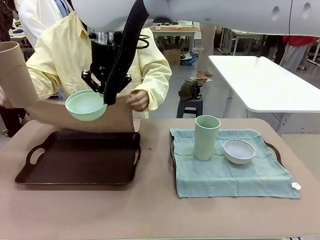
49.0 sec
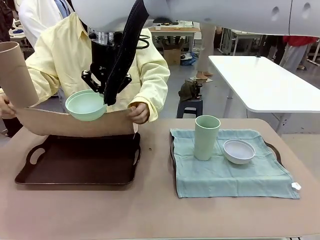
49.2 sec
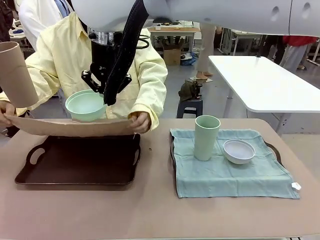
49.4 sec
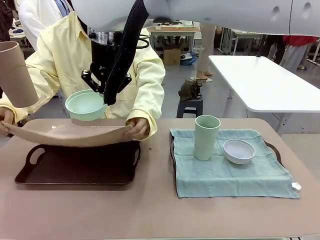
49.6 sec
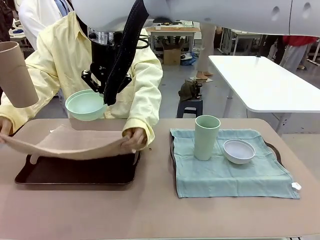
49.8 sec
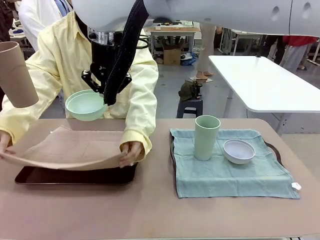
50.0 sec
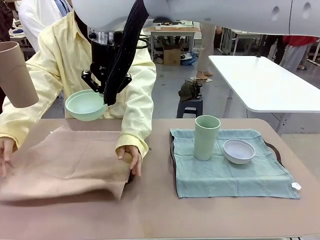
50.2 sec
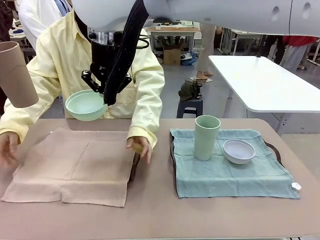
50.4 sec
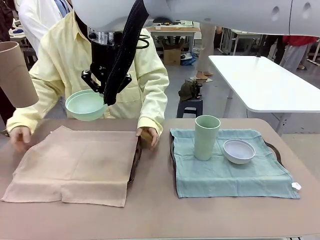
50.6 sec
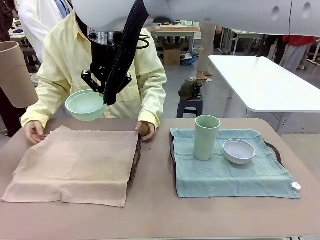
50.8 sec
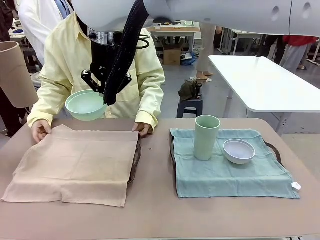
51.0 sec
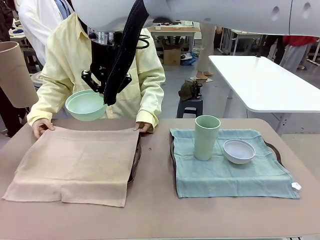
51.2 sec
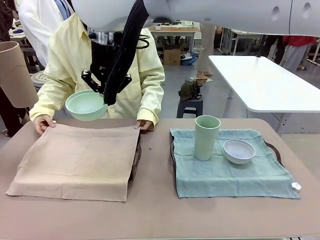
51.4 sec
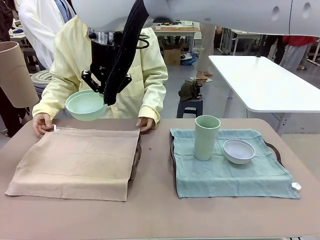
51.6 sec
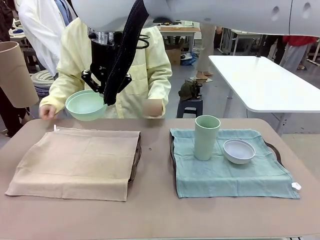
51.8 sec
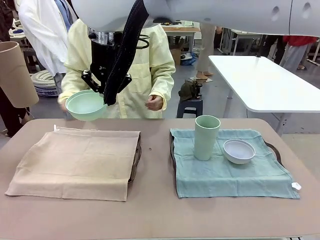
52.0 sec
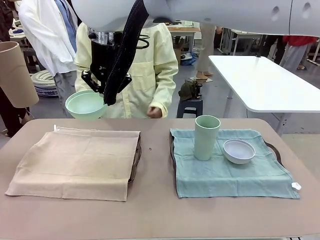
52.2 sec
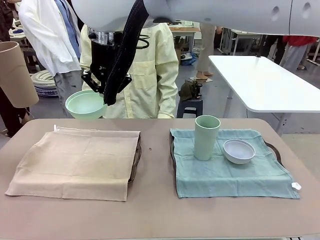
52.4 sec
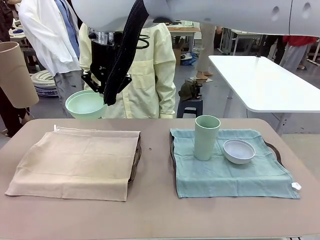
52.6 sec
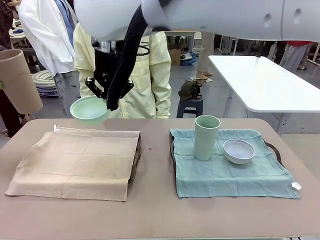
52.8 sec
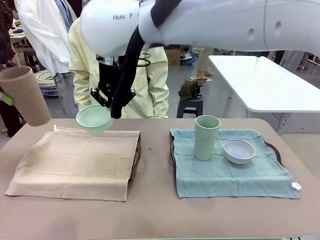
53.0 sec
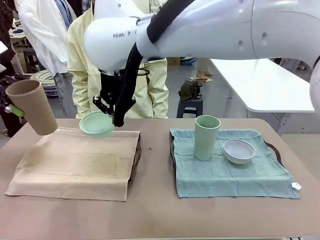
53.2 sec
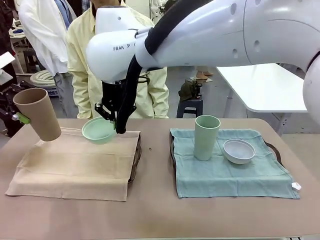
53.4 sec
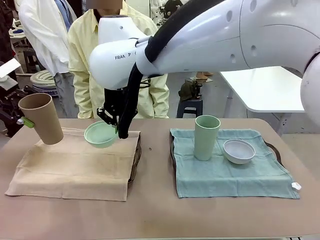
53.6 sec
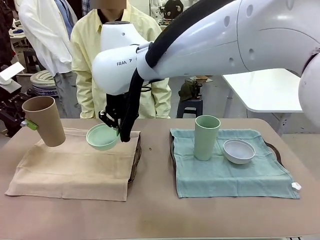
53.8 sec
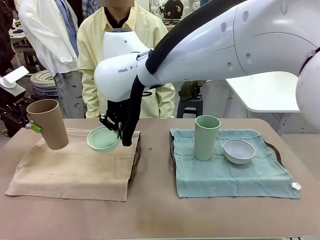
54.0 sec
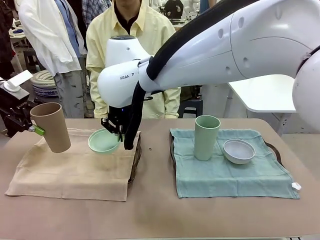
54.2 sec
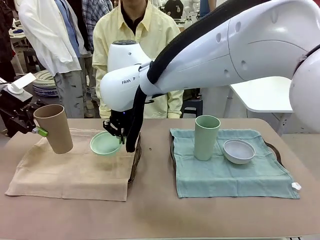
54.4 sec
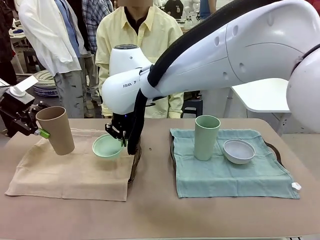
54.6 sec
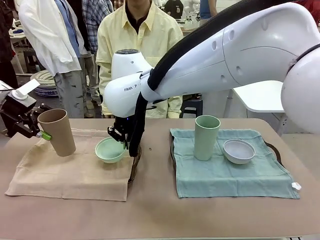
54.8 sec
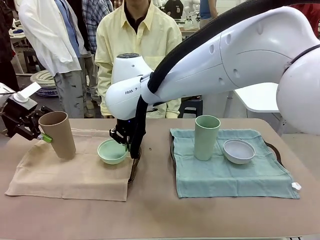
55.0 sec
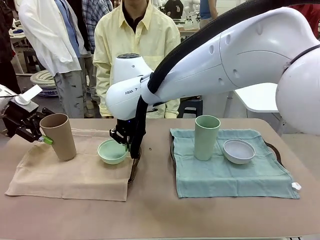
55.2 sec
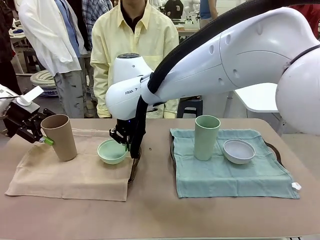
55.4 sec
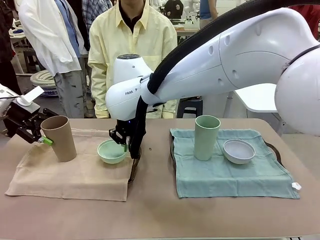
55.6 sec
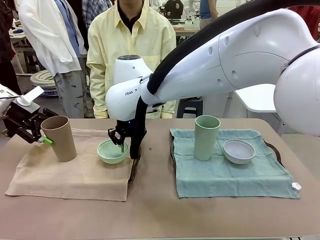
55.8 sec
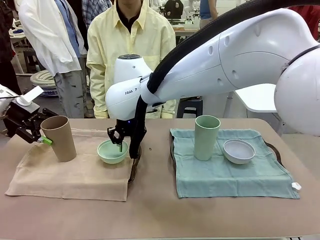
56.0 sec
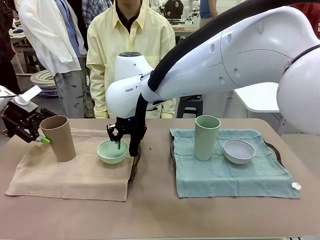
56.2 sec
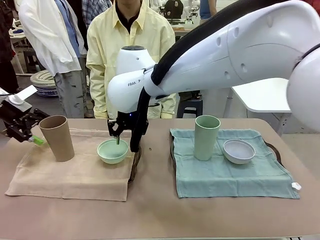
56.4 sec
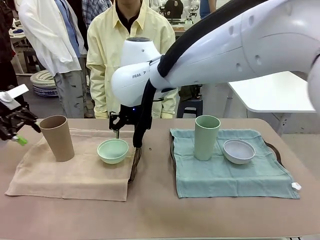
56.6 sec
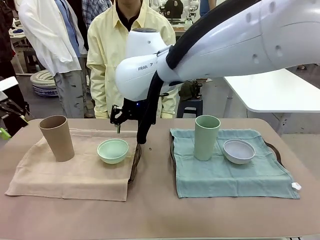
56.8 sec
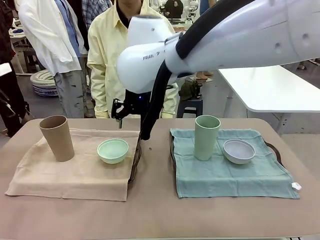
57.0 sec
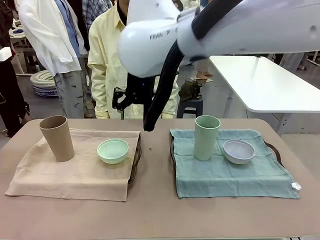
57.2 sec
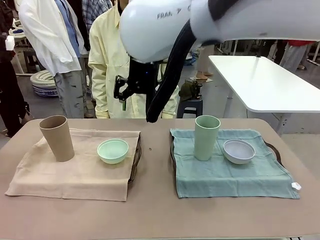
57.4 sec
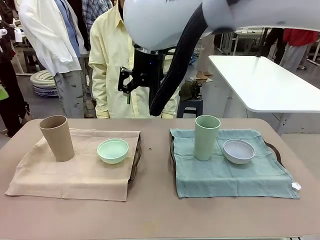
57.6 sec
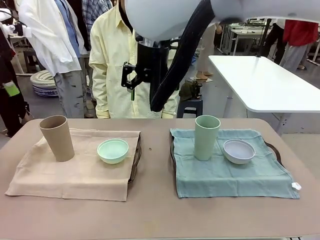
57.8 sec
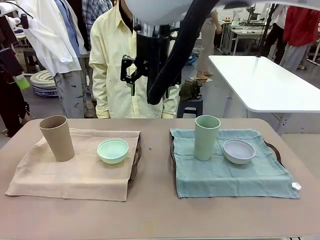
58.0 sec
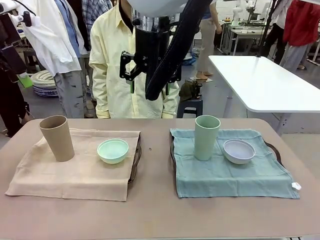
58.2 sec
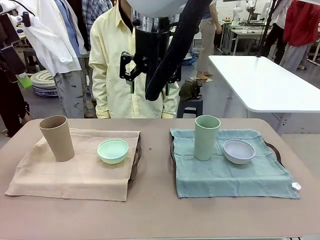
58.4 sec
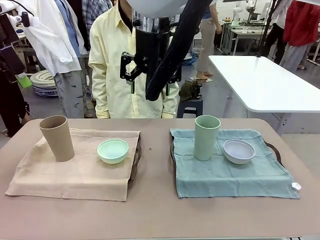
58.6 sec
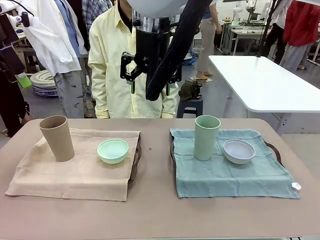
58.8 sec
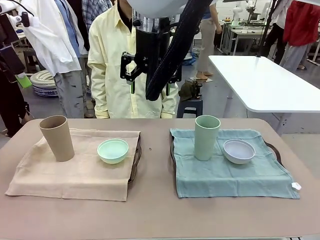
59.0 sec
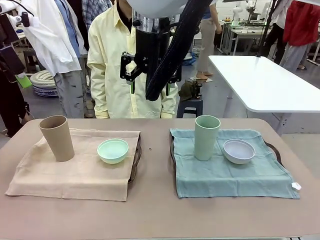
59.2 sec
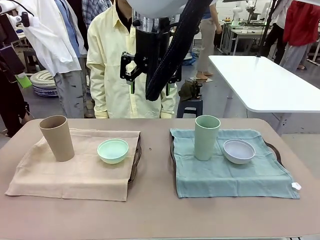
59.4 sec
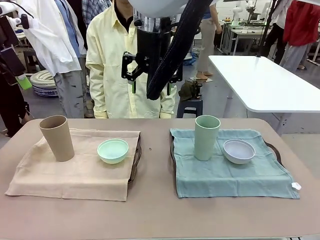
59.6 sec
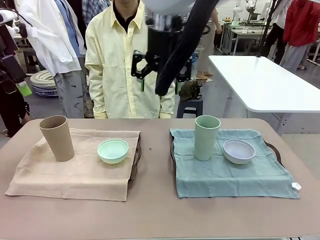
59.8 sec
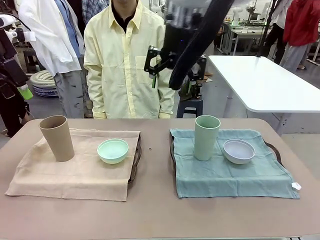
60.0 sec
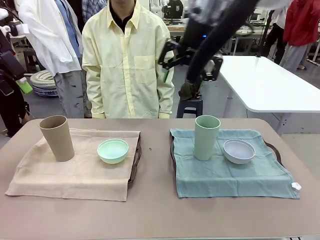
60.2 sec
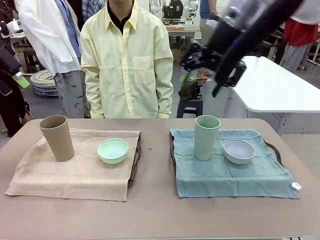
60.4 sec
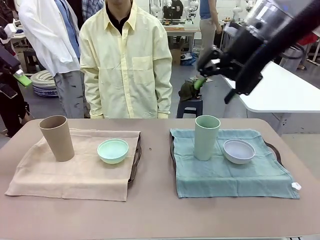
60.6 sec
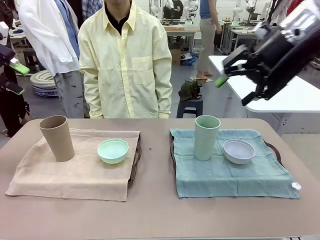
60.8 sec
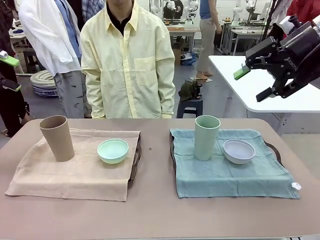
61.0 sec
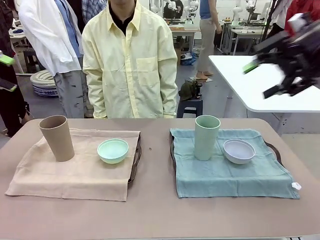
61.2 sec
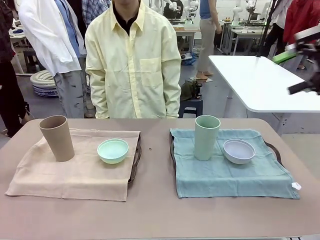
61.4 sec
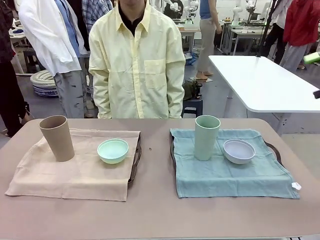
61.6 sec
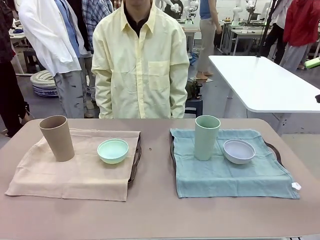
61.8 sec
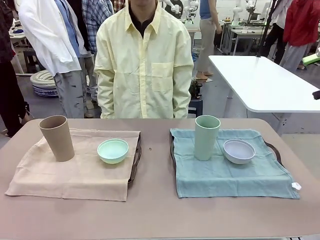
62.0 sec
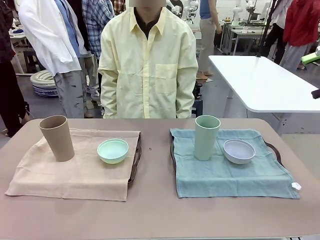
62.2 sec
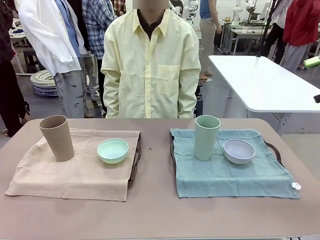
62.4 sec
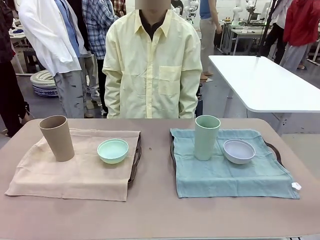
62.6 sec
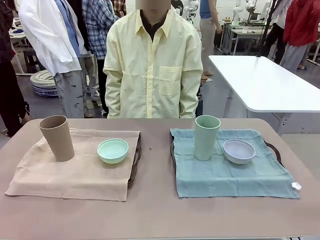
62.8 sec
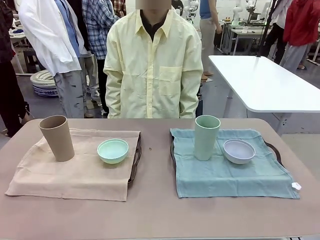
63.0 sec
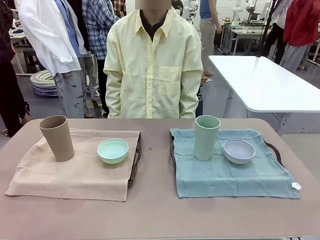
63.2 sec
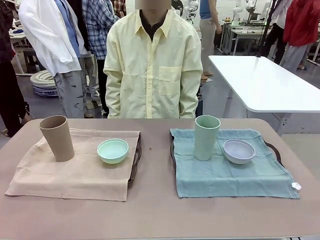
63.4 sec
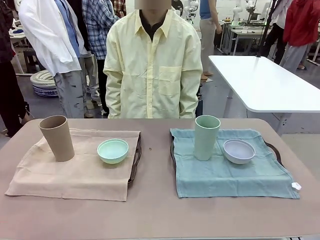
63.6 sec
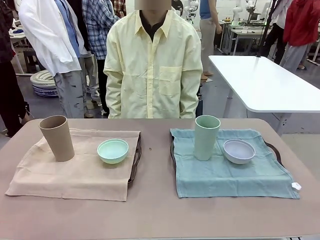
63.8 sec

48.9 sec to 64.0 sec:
Robot: Place the Picnic Bowl and Reusable plastic cup back onto the Handle tray in front of the human's position.
Person: When the robot lifts the bowl and the cup, the human unfolds the napkin and lays the napkin flat on the tray.

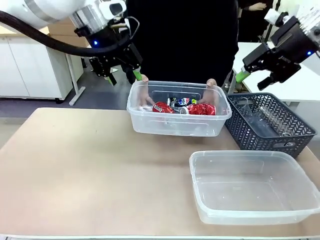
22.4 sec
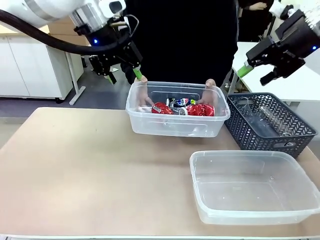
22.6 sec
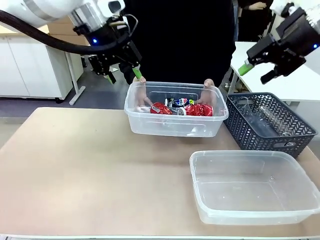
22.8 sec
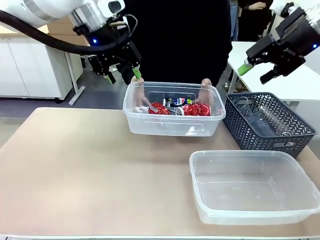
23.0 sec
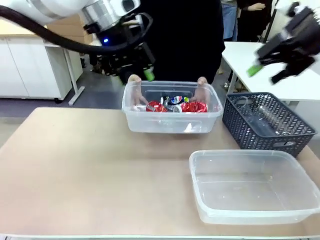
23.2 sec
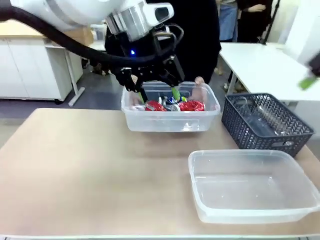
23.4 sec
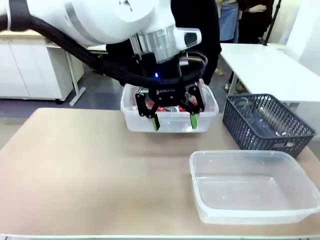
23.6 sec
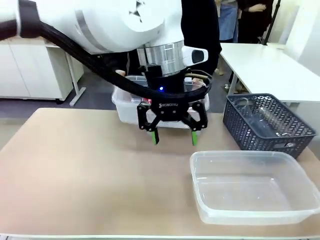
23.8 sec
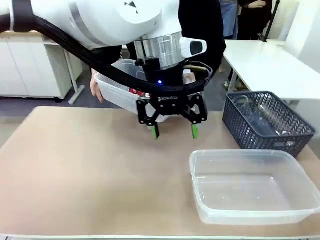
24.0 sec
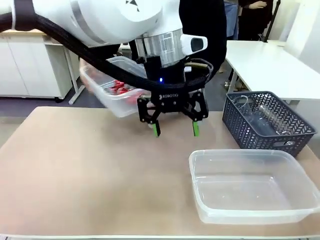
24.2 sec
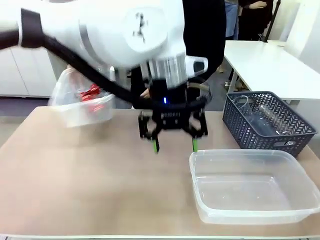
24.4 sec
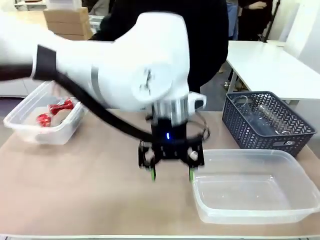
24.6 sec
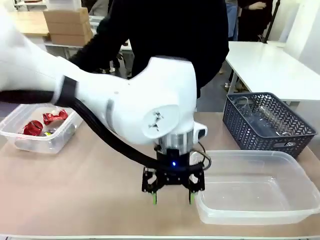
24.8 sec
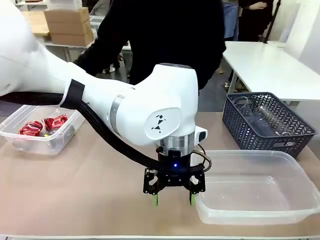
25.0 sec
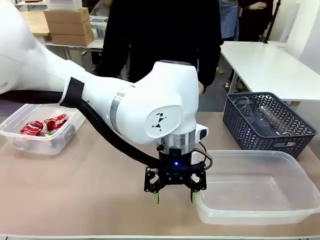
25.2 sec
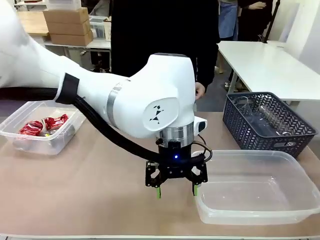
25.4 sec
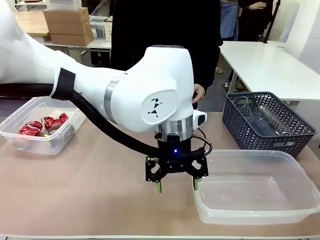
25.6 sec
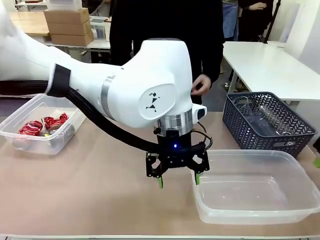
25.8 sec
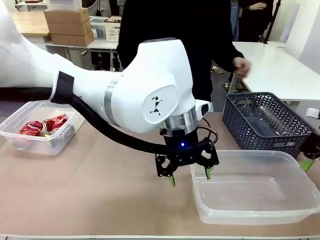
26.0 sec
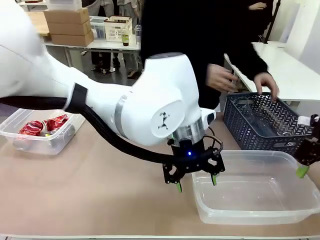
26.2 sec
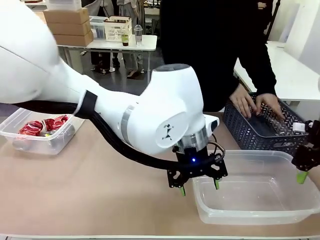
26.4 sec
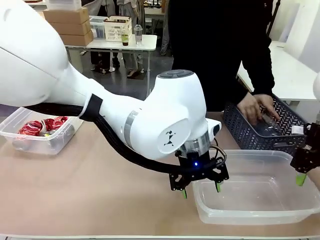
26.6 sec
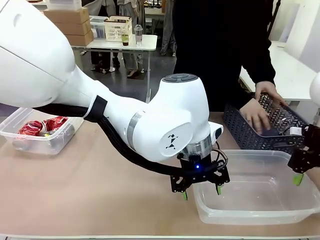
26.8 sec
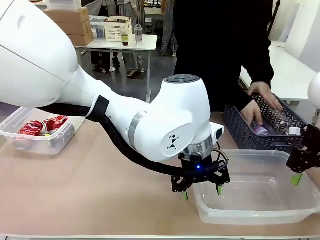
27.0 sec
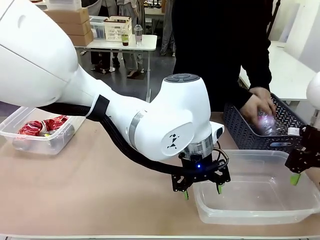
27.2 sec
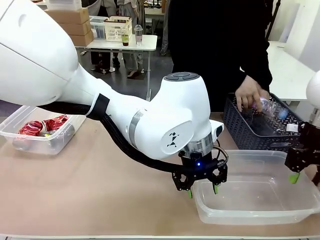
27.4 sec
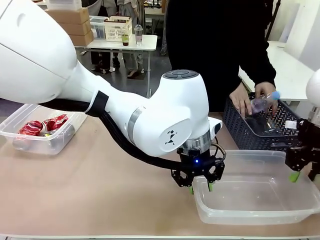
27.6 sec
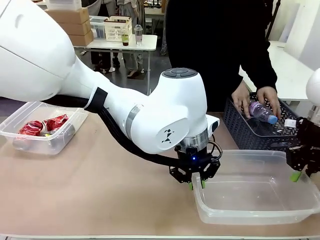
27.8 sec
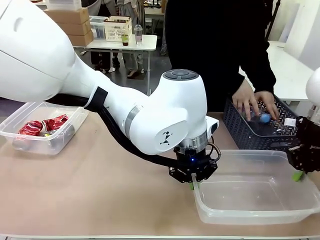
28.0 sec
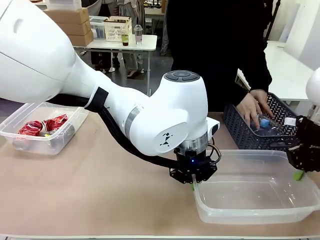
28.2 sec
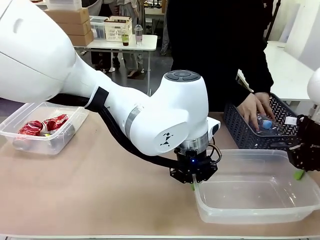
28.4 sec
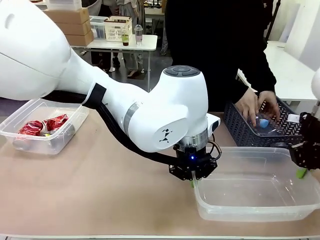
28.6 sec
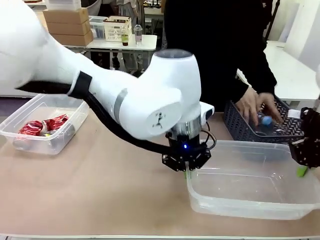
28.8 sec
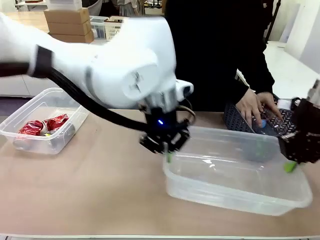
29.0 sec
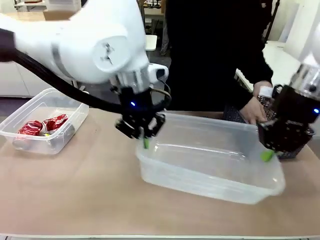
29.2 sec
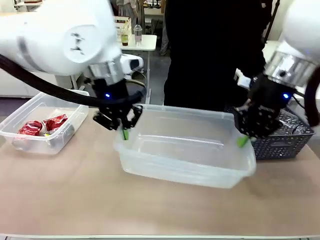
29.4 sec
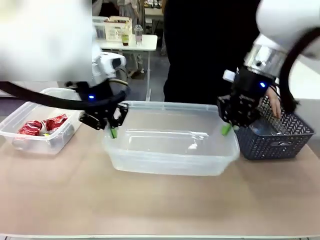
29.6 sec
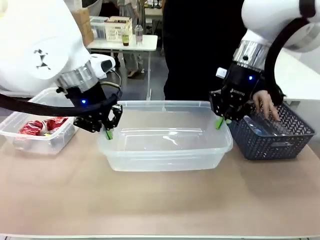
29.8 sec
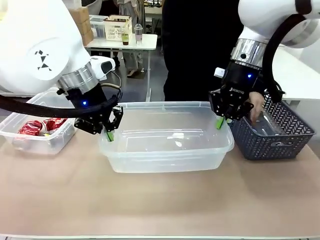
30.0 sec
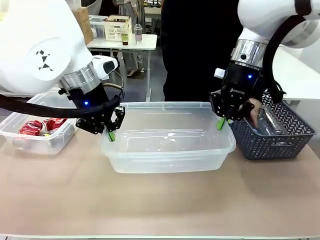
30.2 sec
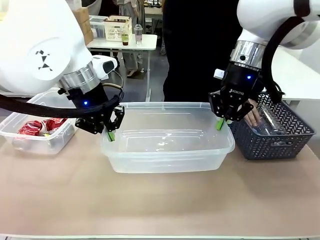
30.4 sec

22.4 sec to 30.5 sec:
Robot: Pick up the Organizing box on the right side of the table and lift it.
Person: Place it at the edge of the bottom right area of the robot table. Pick up plastic waste one by one and place it into the organizing box lifted by the robot.
